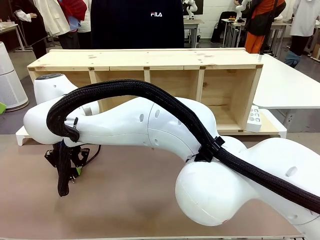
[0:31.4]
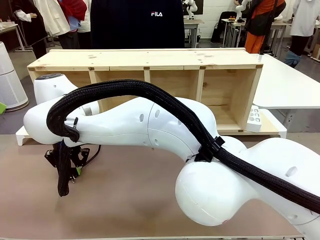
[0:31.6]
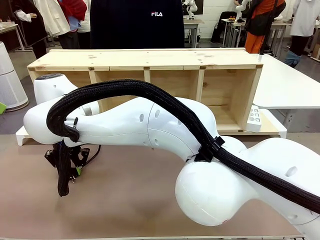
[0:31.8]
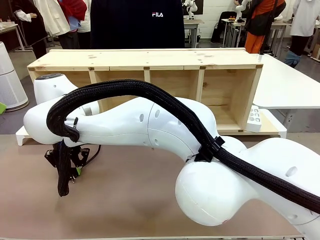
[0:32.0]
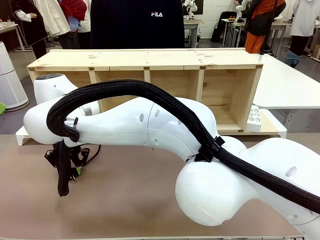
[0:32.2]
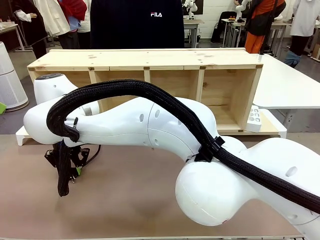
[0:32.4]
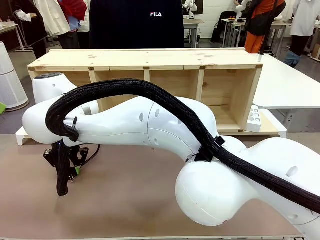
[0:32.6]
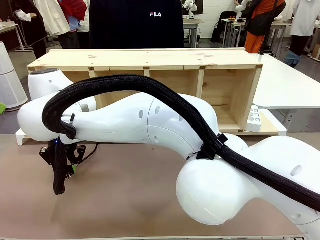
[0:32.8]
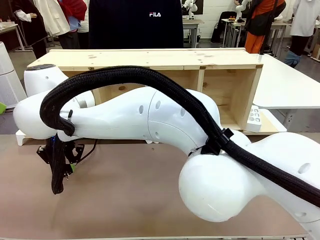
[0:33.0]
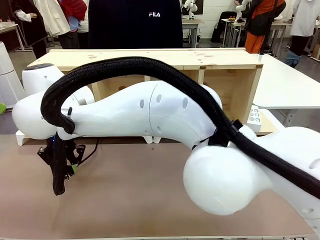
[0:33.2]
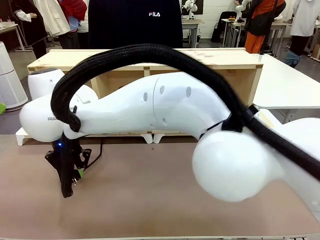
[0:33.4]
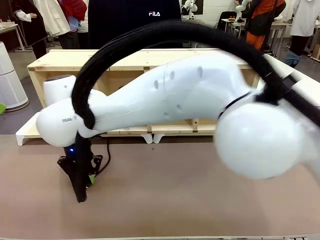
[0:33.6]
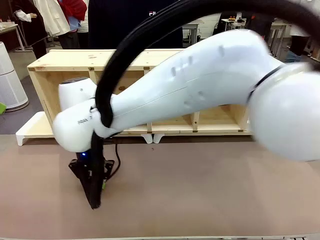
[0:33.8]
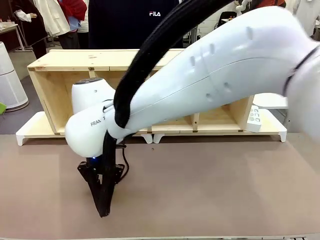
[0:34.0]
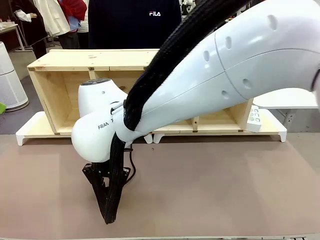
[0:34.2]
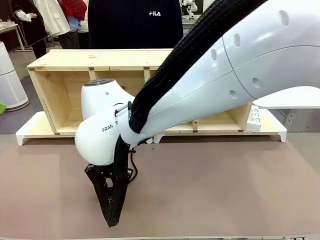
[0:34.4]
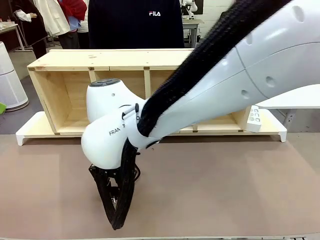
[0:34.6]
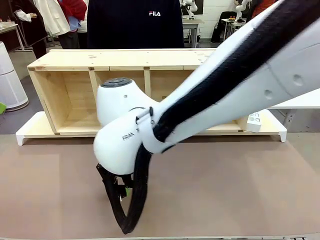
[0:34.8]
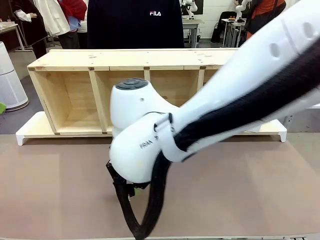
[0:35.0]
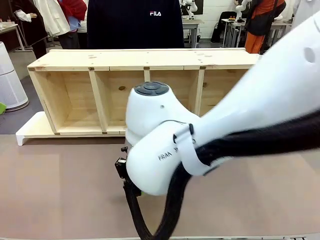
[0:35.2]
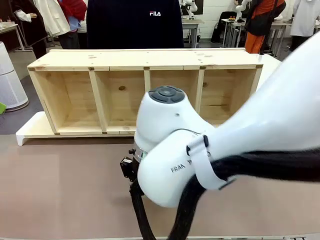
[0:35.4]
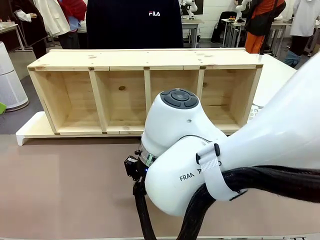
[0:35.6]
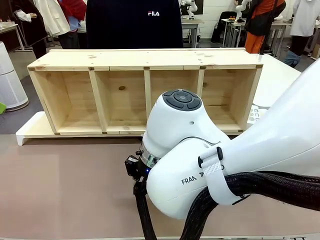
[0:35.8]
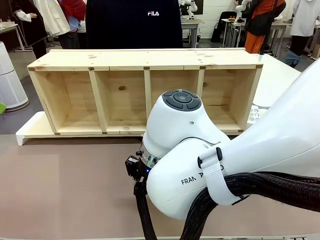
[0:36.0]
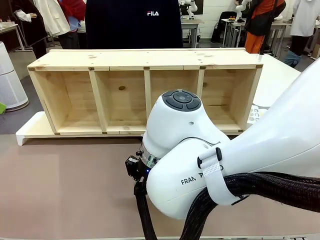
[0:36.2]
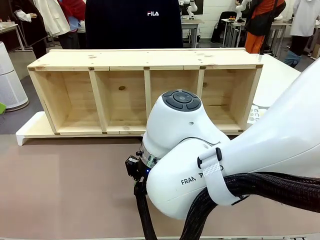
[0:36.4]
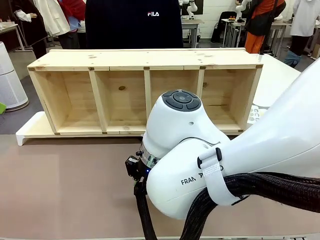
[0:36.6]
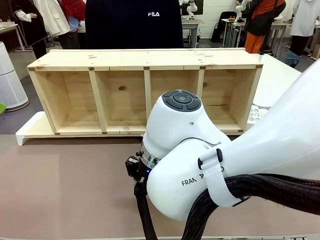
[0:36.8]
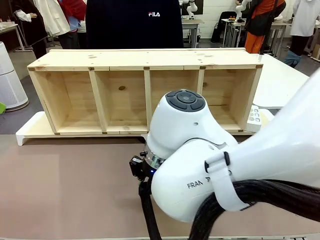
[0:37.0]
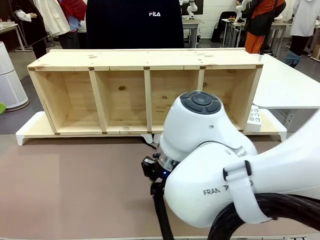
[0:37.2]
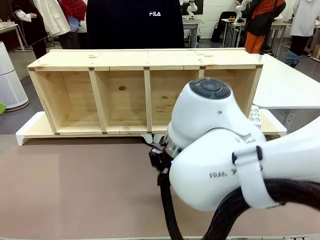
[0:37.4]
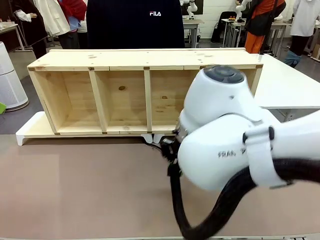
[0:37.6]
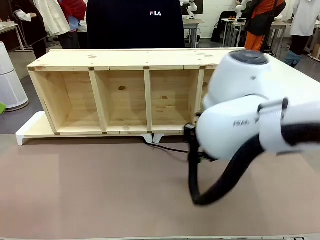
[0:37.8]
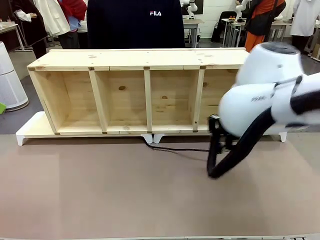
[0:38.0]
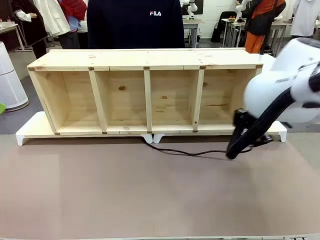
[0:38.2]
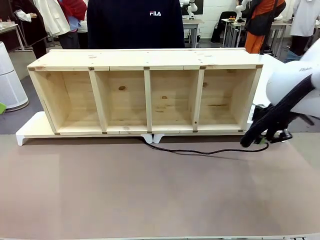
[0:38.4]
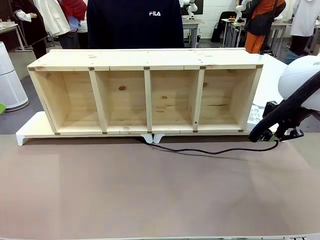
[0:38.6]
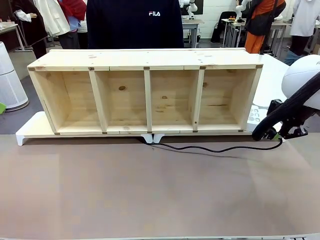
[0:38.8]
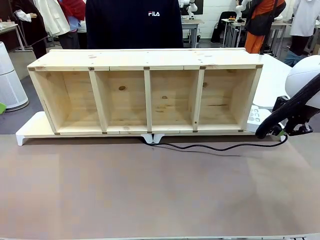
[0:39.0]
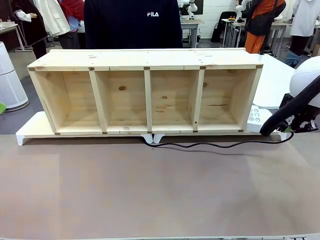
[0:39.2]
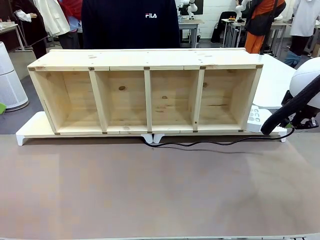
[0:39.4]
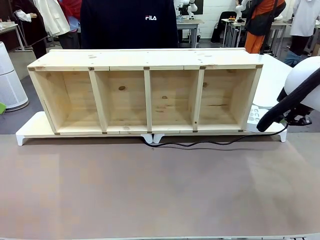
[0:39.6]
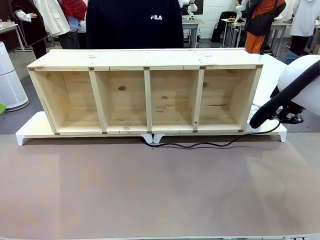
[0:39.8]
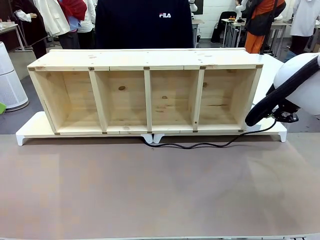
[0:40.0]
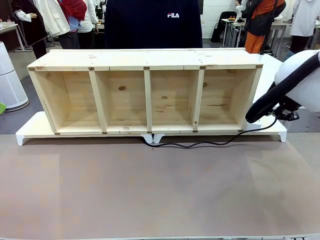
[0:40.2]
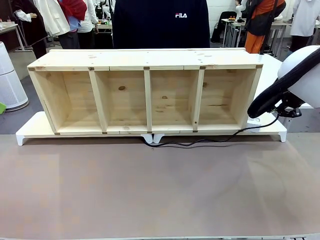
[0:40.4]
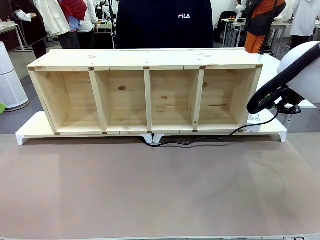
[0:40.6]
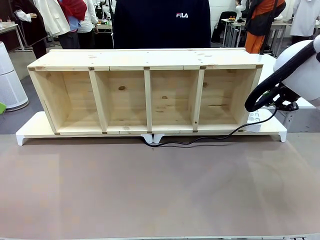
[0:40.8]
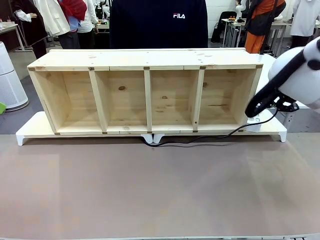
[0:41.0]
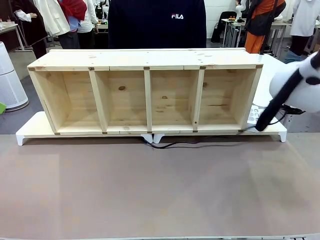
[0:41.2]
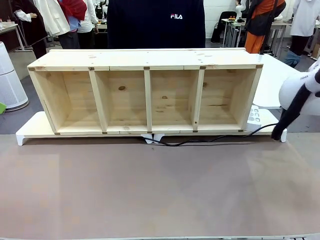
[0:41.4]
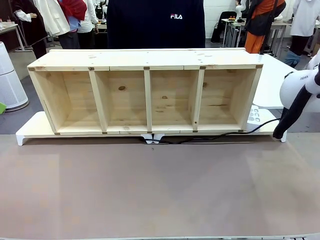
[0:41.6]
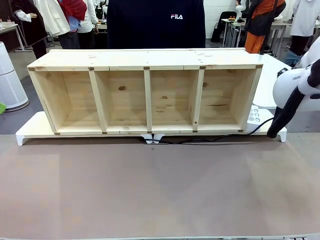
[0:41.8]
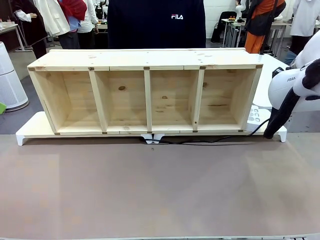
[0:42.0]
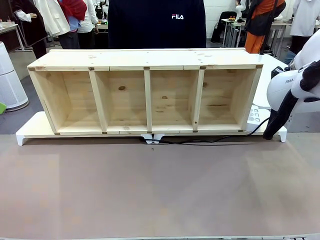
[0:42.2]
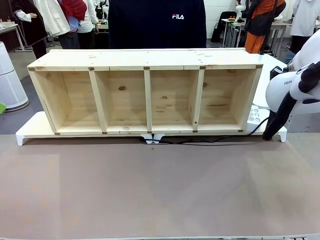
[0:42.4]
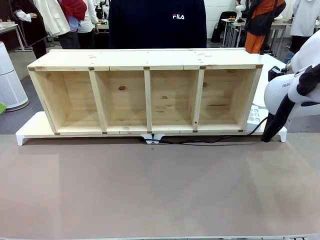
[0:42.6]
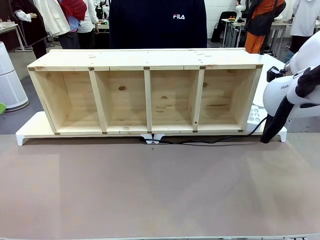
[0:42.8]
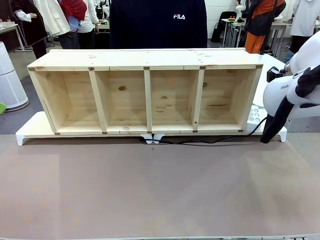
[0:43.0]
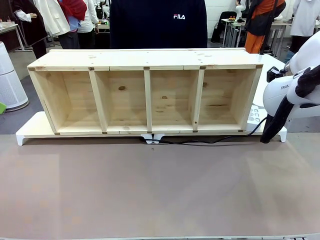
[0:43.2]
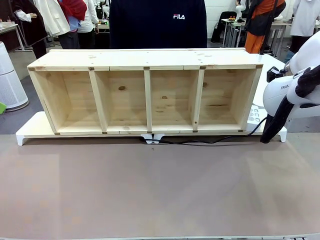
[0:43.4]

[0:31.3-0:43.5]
Task: Perform cable management.
Robot: Pull the grasped Power Cable to the location of the Power Strip.

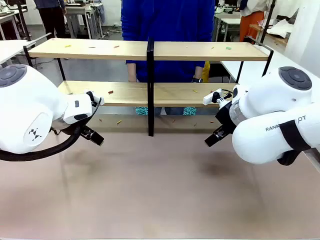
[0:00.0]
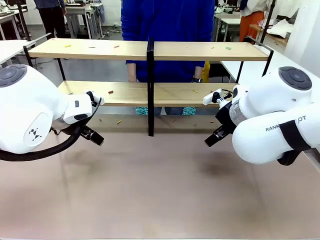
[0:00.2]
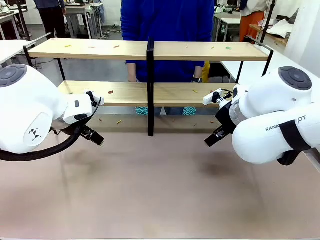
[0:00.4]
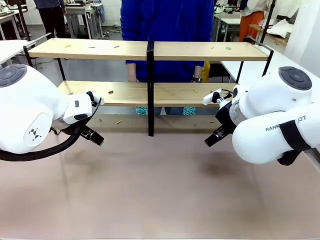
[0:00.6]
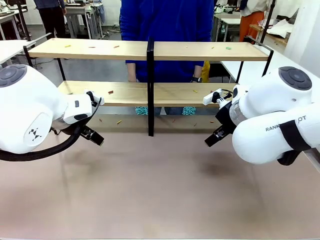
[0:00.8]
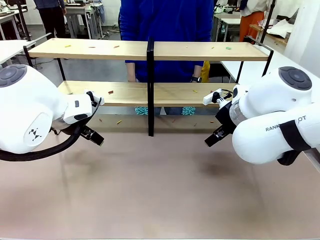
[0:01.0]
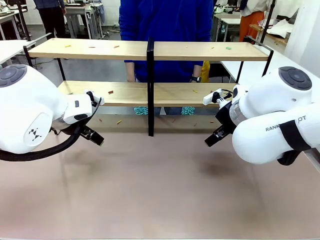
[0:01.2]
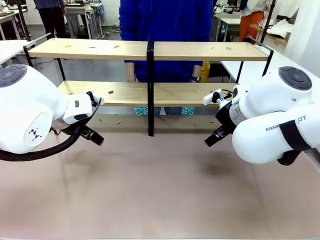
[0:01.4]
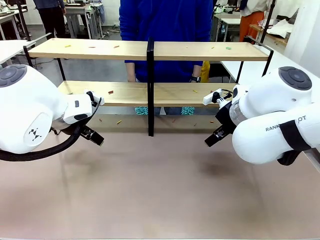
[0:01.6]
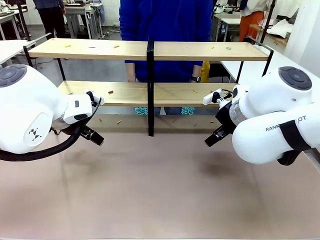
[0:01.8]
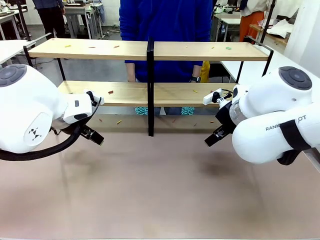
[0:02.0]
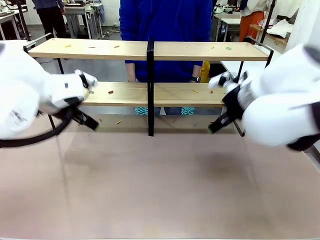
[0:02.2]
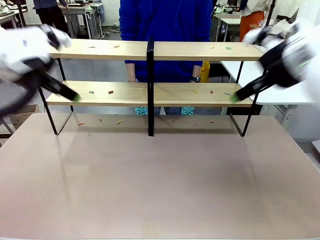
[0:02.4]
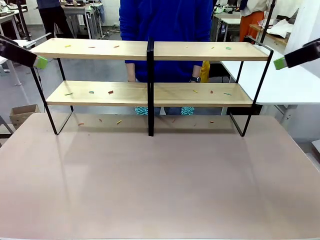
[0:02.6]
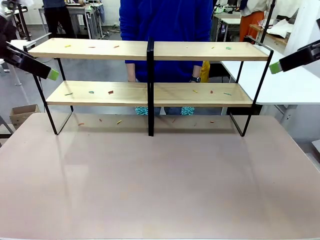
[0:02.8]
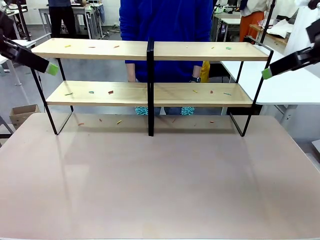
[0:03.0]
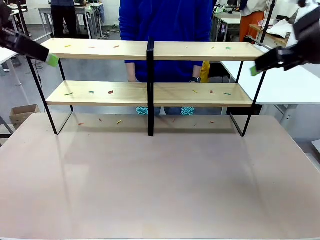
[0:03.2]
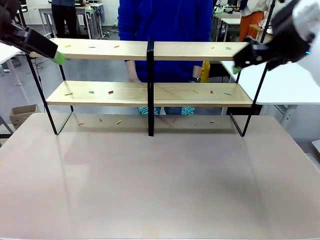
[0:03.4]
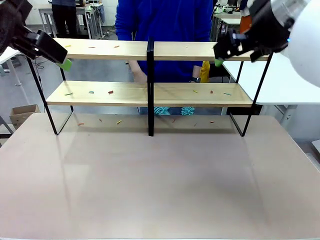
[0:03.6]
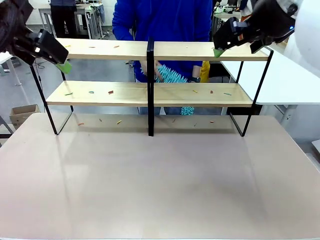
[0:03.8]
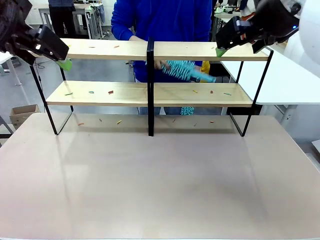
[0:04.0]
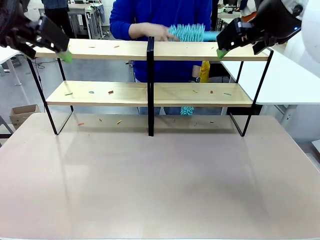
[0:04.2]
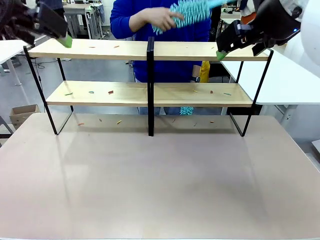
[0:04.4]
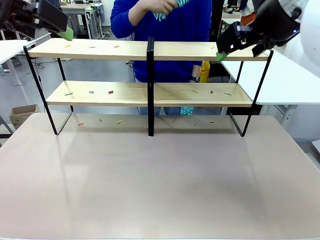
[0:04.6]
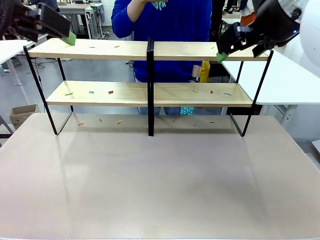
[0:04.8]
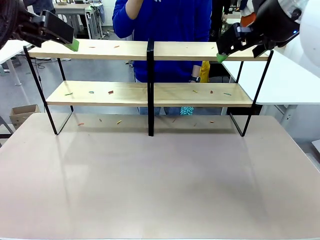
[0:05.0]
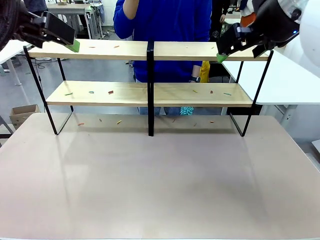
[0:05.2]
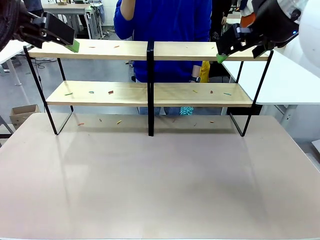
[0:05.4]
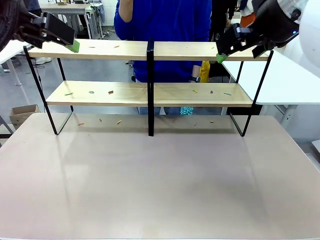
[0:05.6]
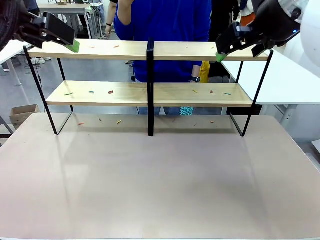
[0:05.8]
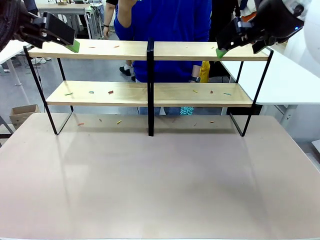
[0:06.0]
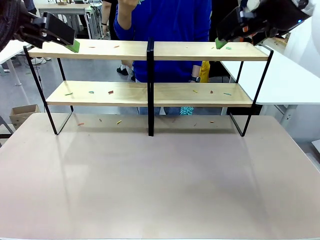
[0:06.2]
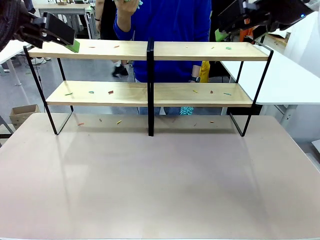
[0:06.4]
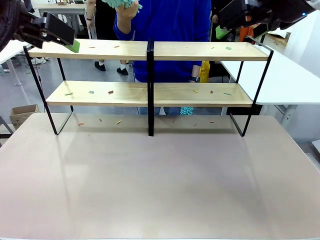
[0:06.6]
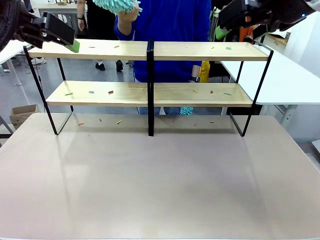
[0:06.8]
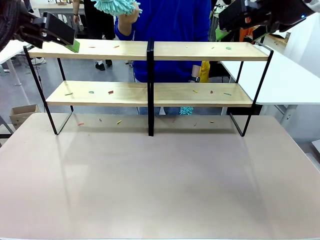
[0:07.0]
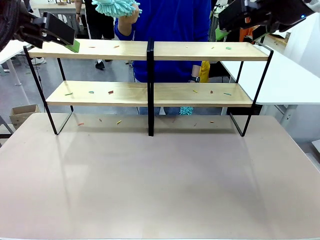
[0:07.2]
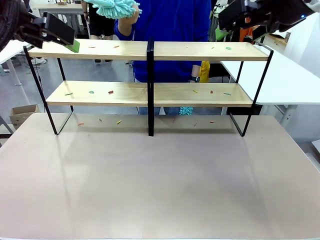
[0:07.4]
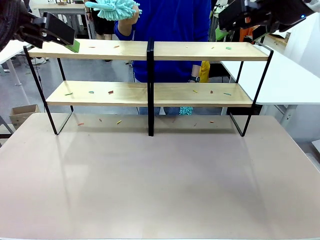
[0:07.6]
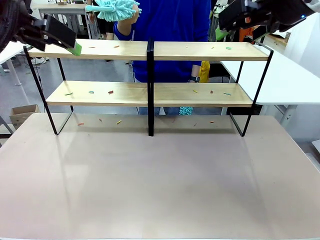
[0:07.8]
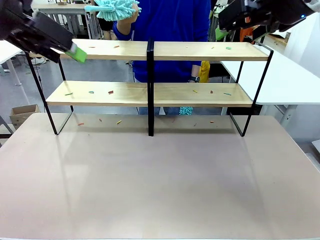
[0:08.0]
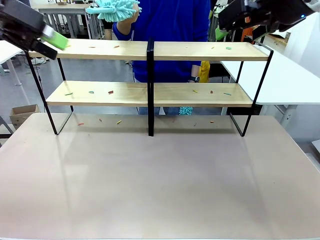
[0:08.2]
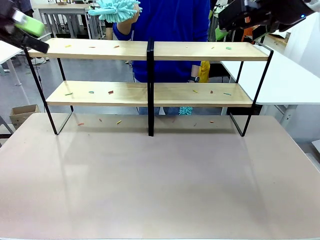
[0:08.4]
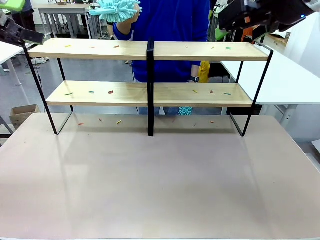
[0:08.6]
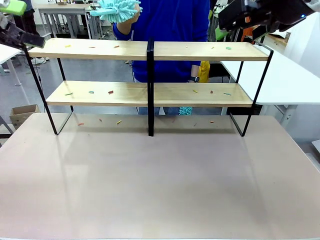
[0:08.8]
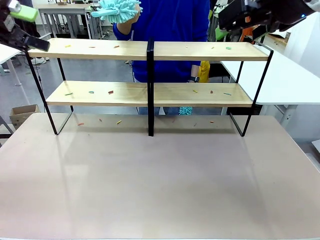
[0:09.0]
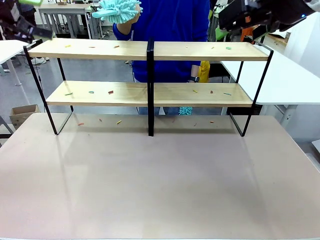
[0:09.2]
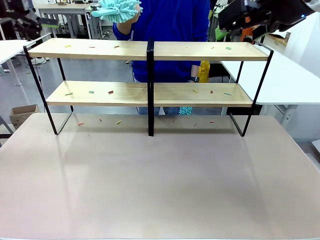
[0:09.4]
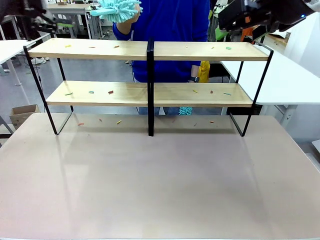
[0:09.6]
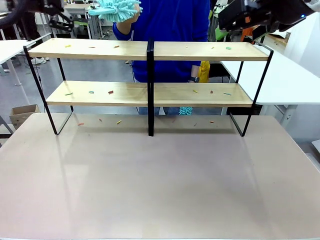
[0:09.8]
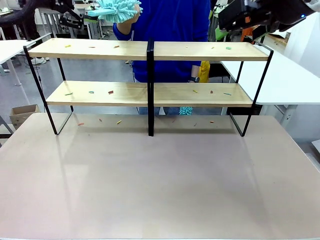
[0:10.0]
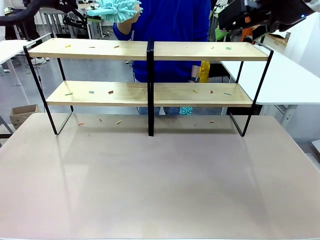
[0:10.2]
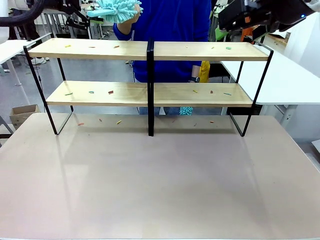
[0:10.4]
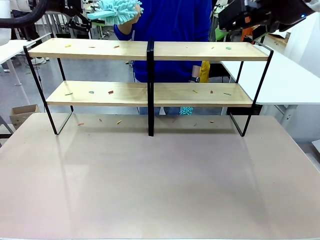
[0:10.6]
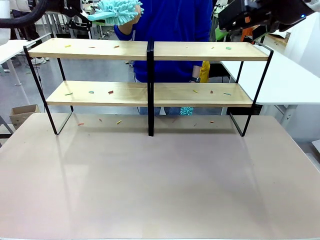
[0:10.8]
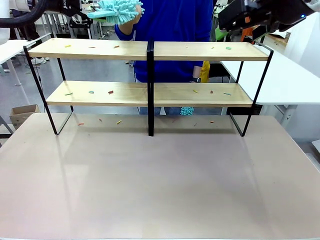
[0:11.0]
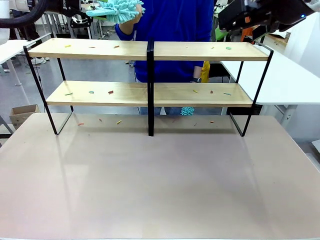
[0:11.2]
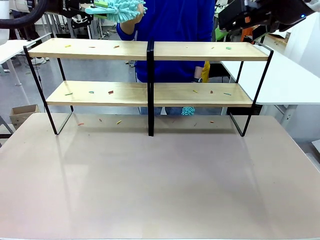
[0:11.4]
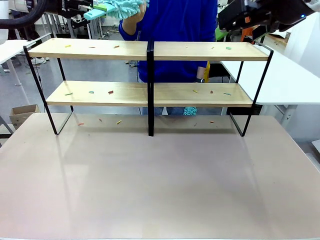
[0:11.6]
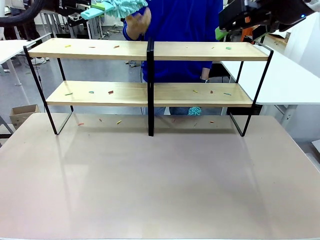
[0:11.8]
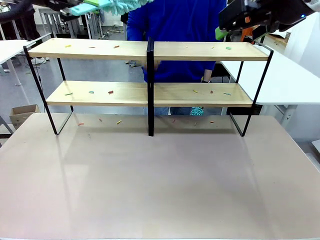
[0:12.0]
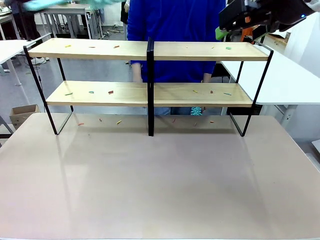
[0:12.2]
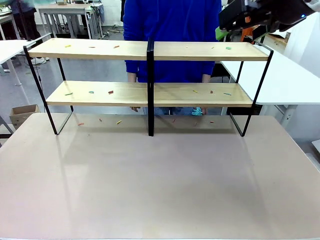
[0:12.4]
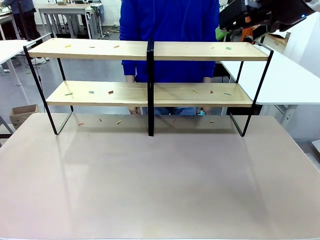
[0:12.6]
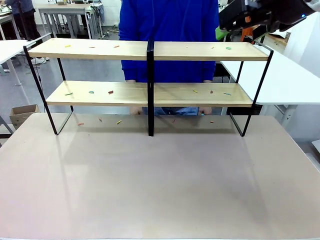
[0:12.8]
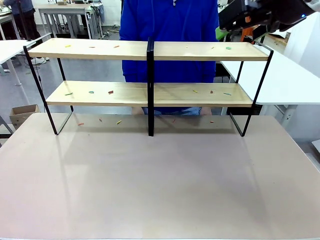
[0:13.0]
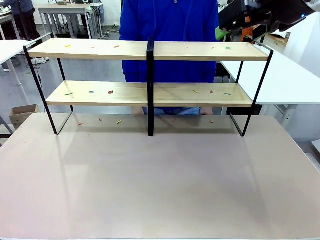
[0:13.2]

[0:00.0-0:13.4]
Task: Clean the shelves.
Robot: Pick up the Duster when the human hands it over.
Person: Hand the Duster to the robot with your right (or left) hand.
